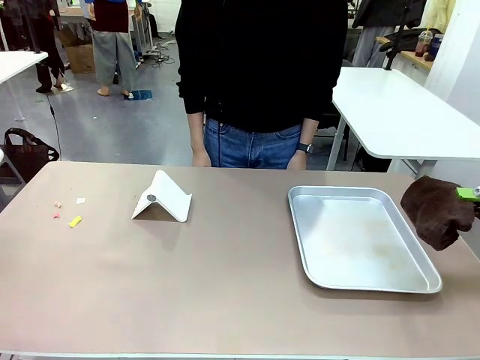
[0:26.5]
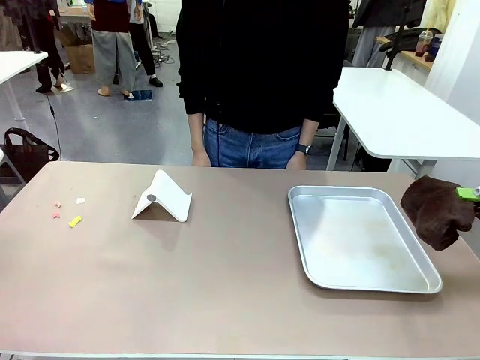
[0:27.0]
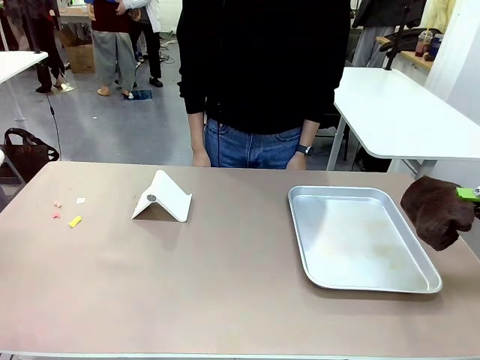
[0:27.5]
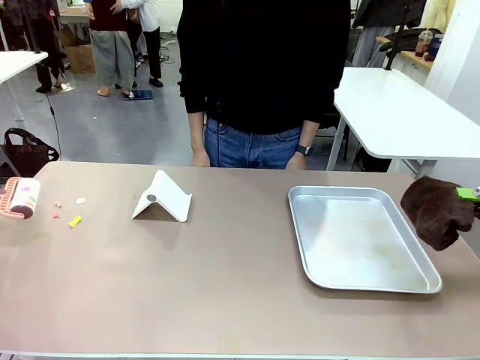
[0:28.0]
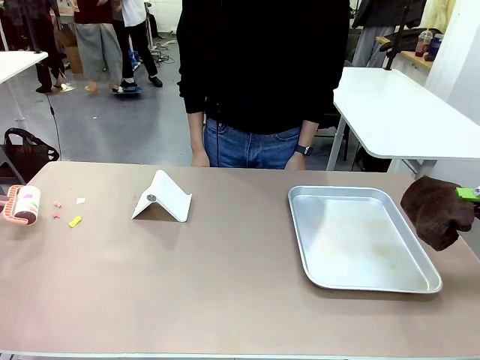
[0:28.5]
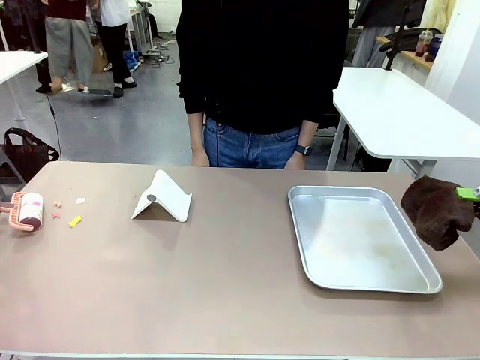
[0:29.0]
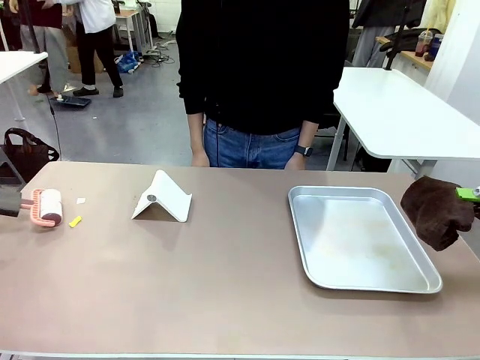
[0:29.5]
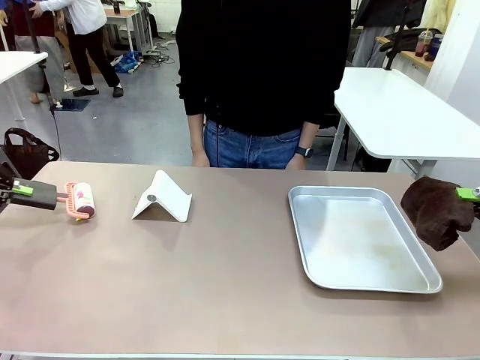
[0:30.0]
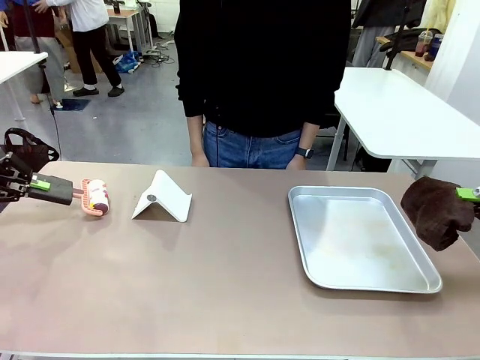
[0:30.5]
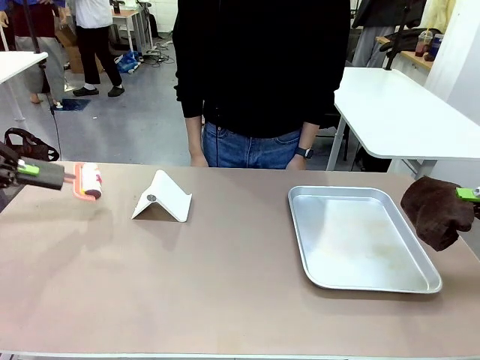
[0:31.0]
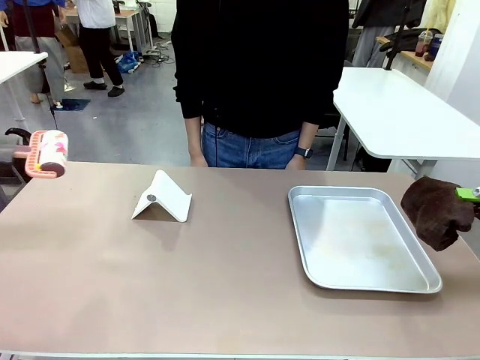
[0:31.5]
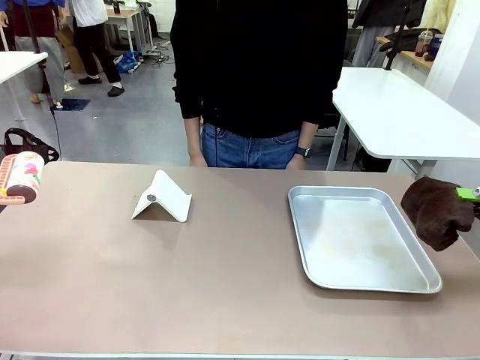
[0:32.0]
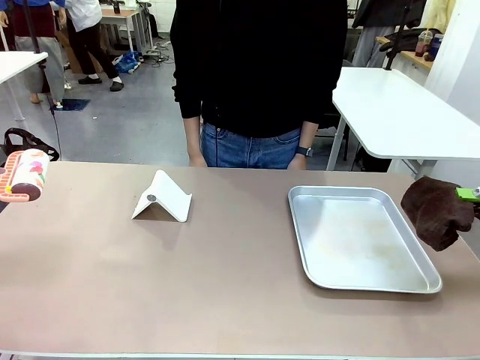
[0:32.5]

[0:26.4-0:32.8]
Task: Clean the surface of the table.
Robot: Clean the area not pointed to by the person.

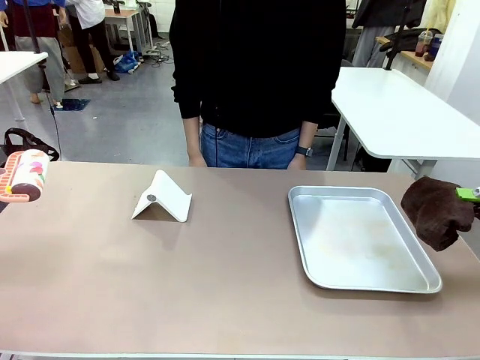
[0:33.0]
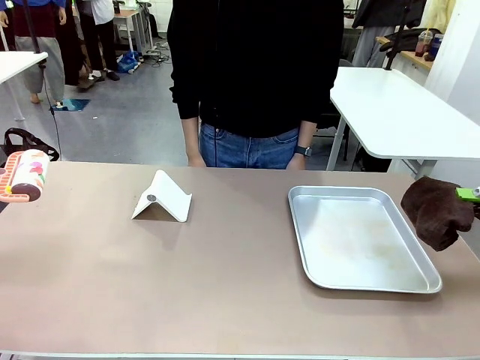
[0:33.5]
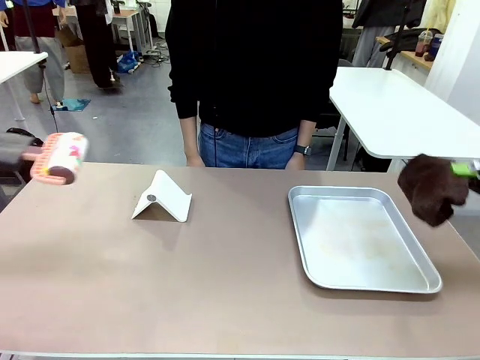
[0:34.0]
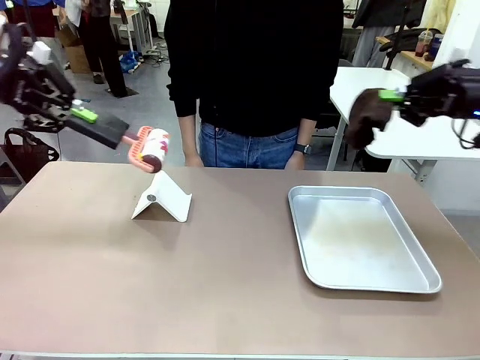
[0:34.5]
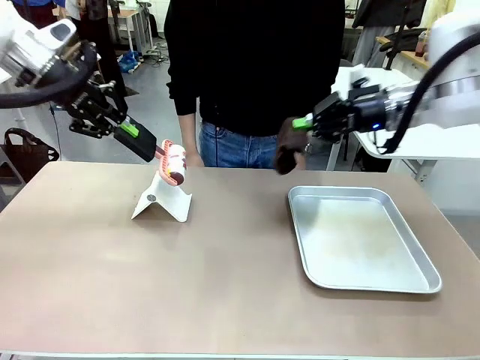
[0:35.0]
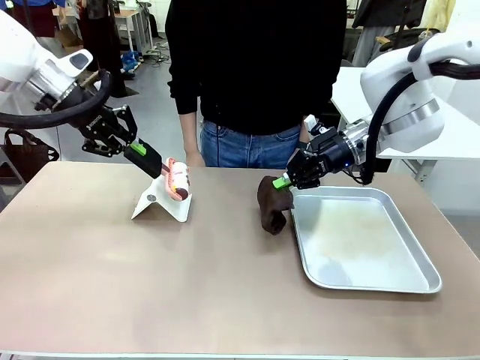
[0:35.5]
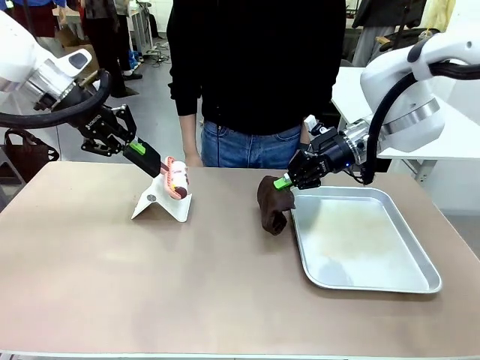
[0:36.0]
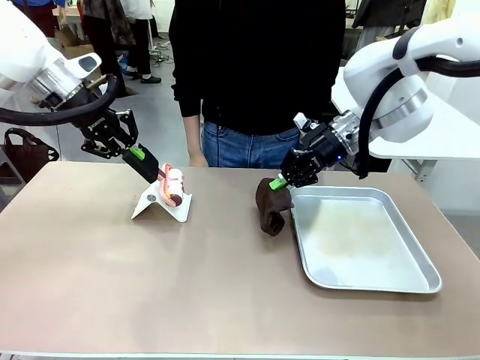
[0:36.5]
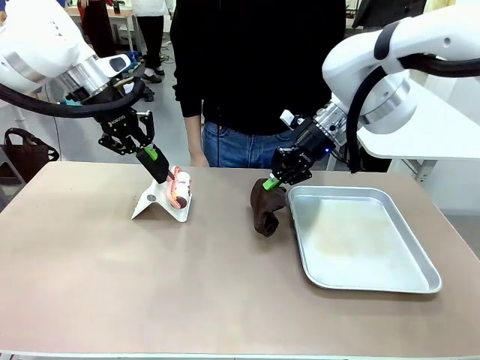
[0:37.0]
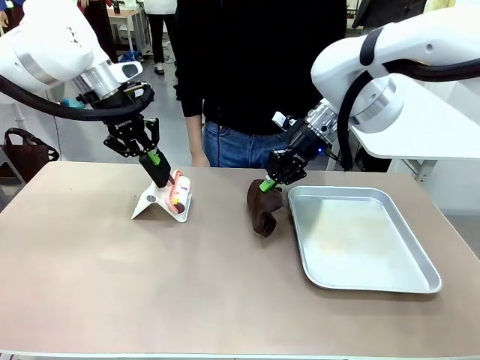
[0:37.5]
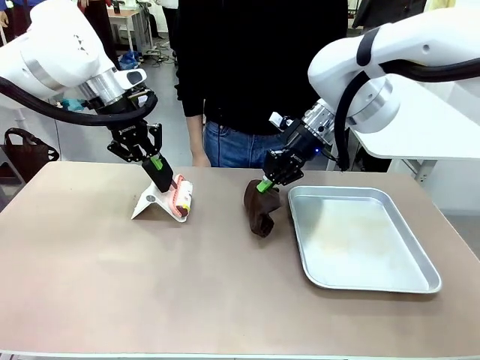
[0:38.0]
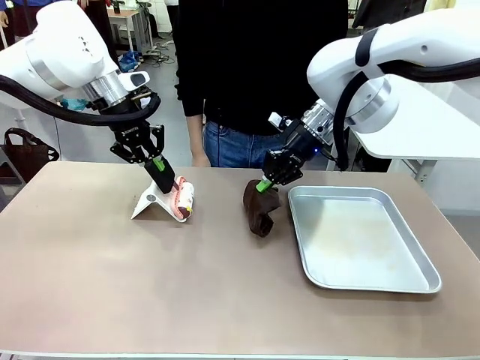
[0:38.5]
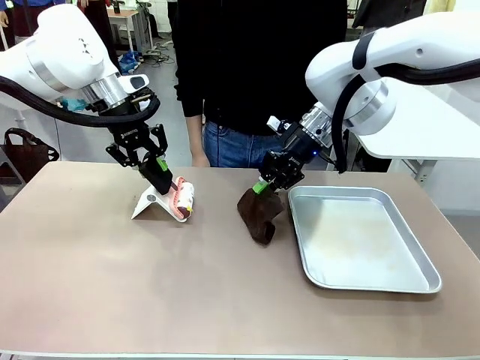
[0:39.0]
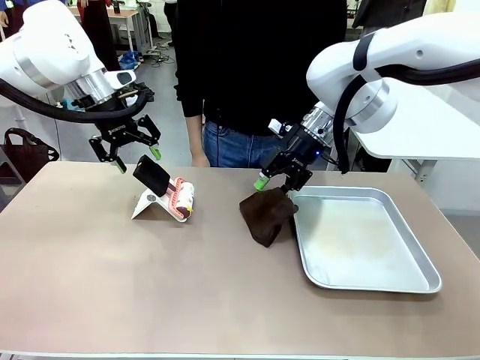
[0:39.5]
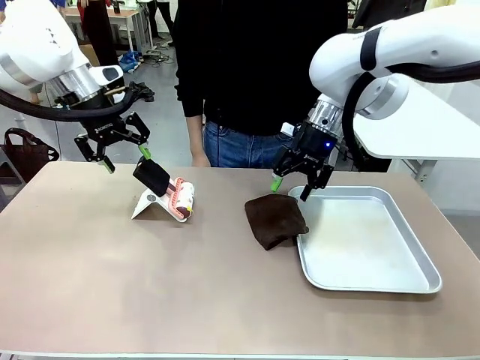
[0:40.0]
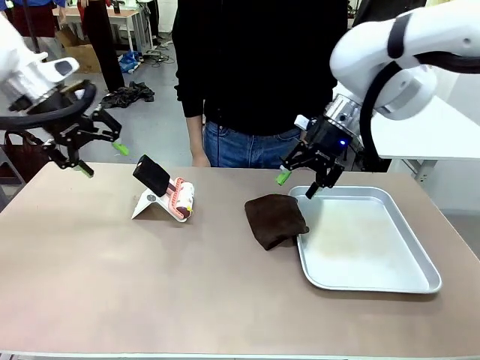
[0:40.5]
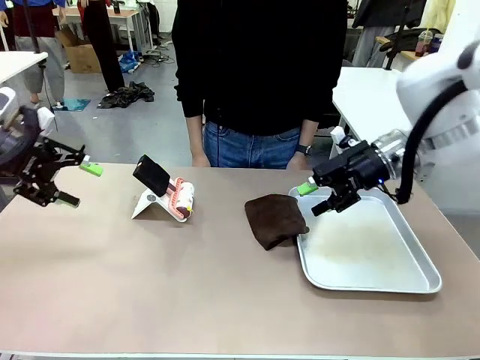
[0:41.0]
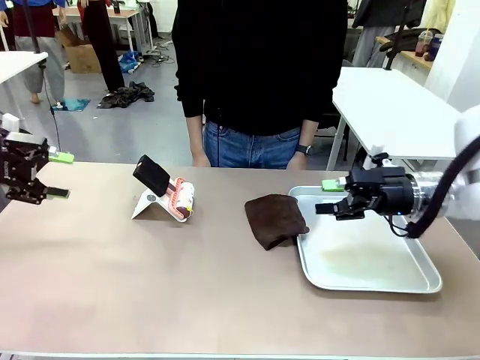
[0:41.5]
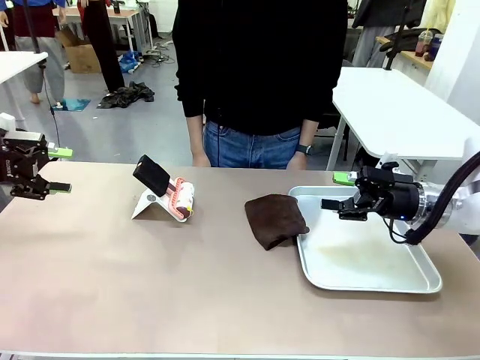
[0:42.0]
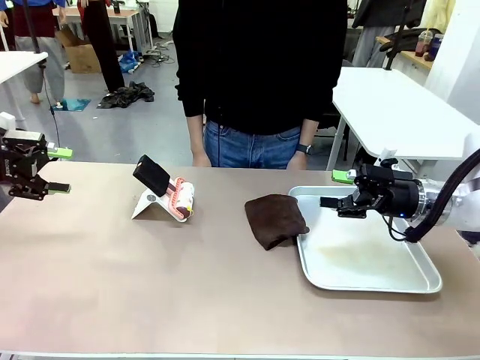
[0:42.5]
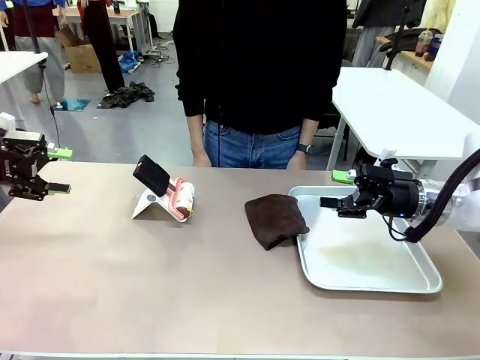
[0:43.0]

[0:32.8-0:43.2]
Robot: Return the Lint Roller and towel to their original positions.

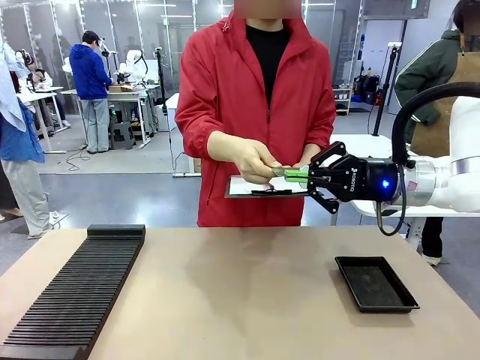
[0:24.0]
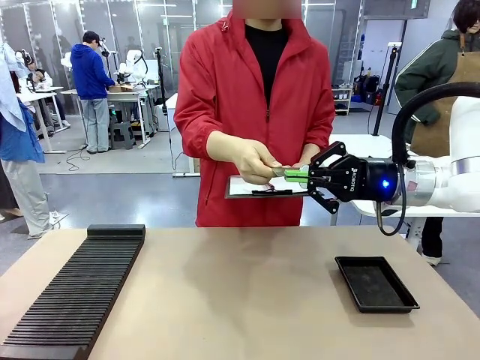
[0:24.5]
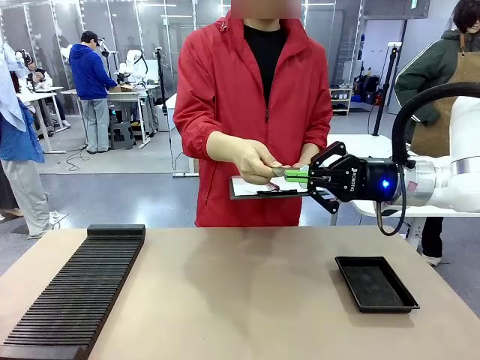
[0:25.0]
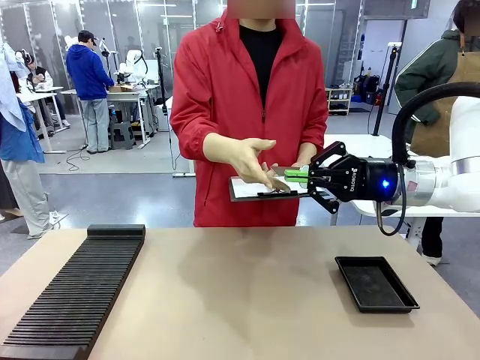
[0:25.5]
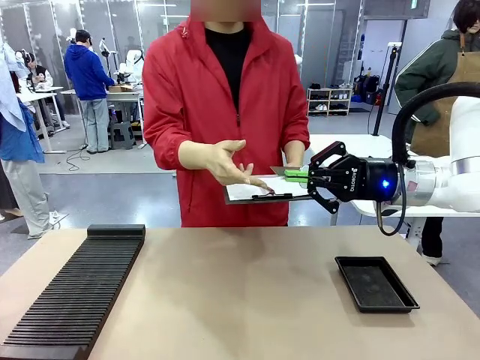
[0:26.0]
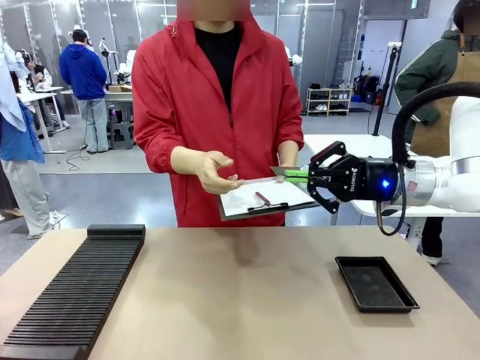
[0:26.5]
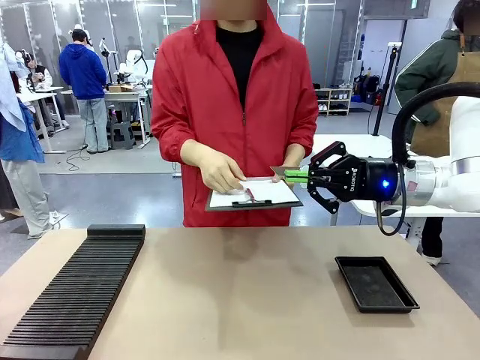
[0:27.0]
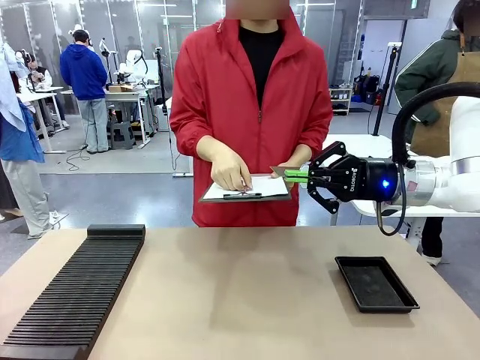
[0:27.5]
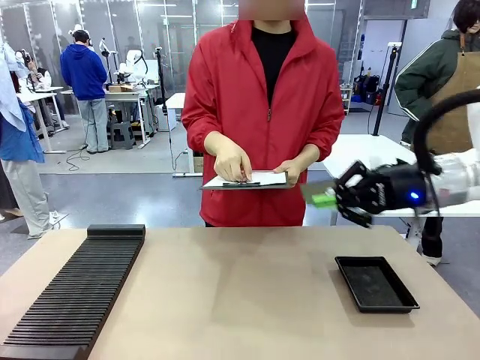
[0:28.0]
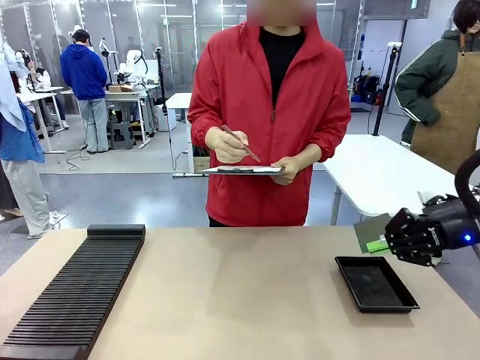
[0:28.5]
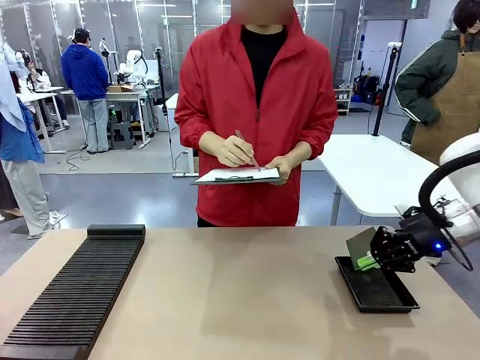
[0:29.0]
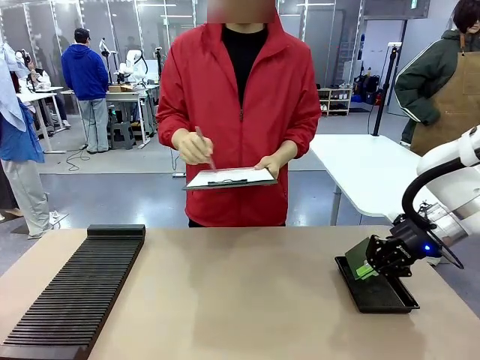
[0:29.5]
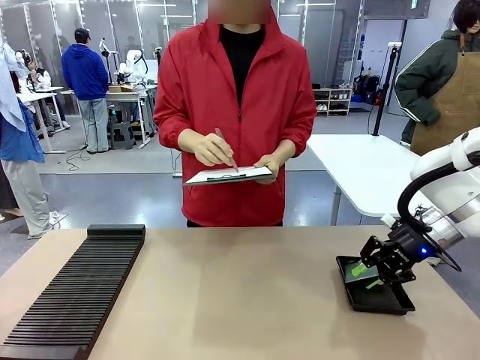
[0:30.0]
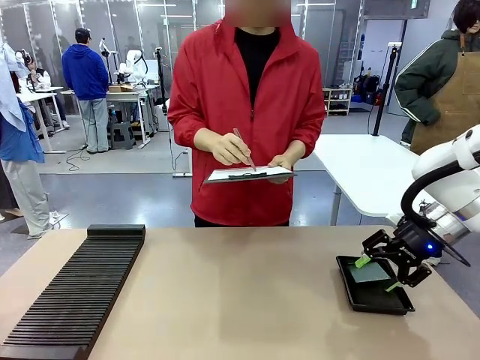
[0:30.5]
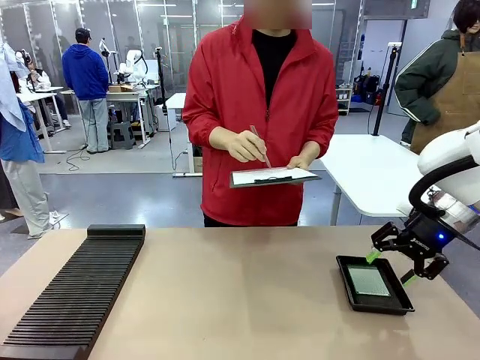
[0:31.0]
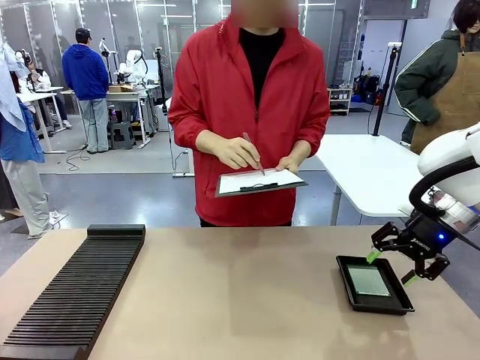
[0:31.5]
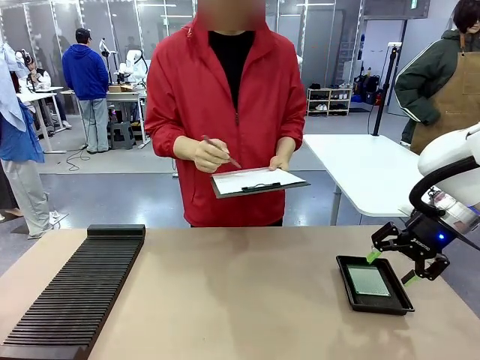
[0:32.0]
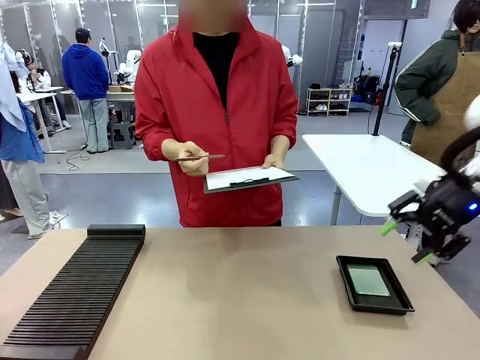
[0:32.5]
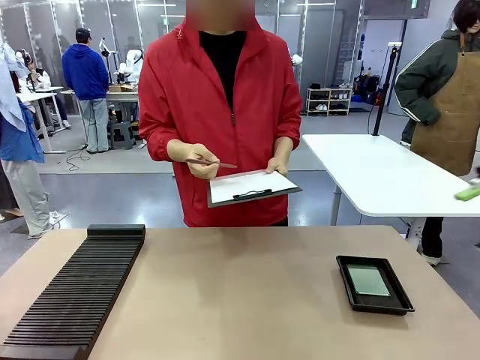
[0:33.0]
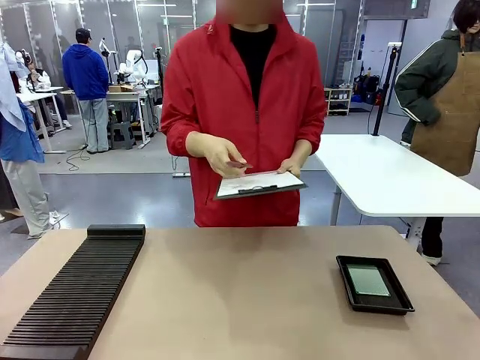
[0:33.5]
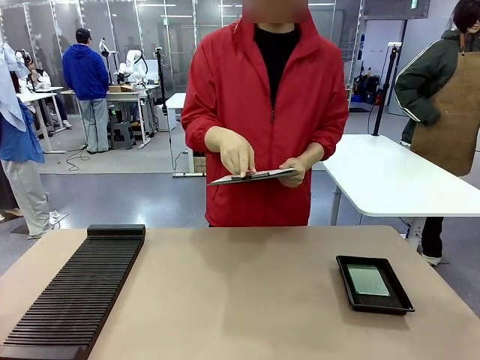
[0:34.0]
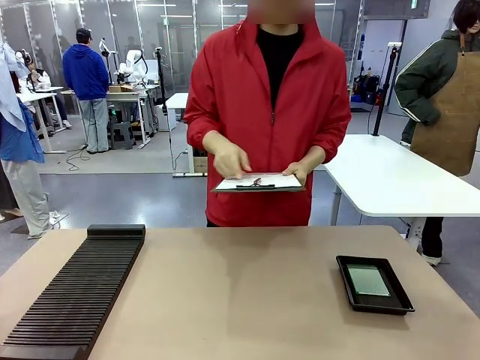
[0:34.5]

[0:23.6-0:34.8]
Task: Inspect the PCB.
Robot: Place the Blank PCB in the ESD tray.
Person: Record the PCB status on the paper.
